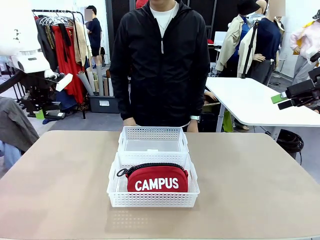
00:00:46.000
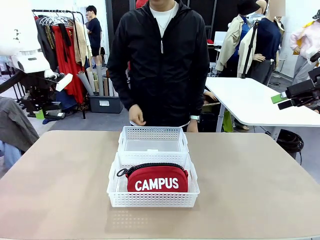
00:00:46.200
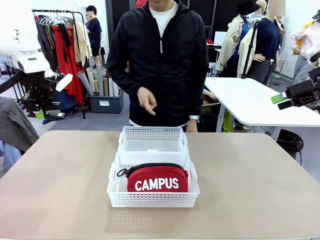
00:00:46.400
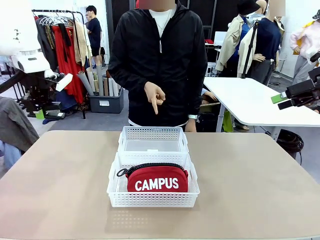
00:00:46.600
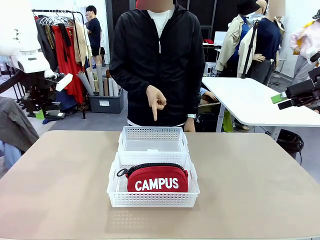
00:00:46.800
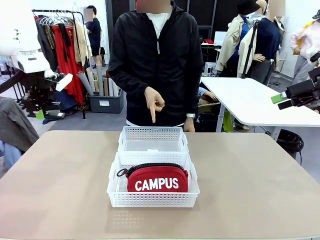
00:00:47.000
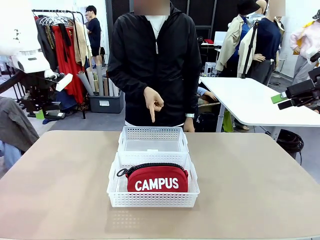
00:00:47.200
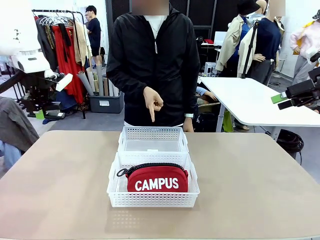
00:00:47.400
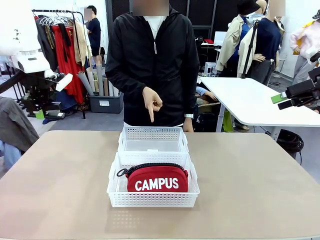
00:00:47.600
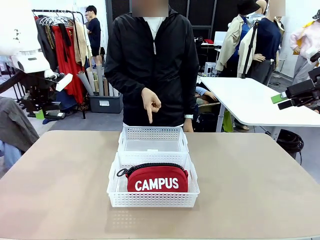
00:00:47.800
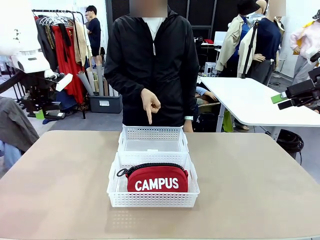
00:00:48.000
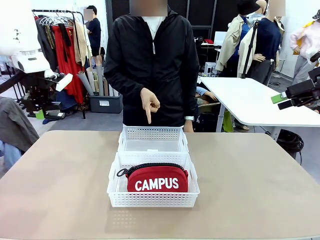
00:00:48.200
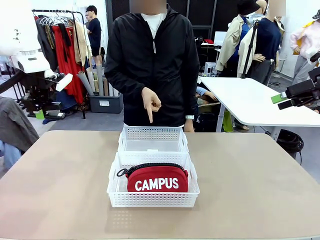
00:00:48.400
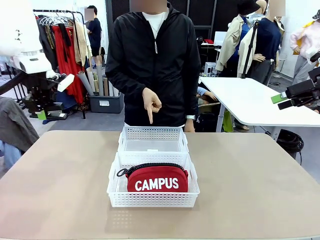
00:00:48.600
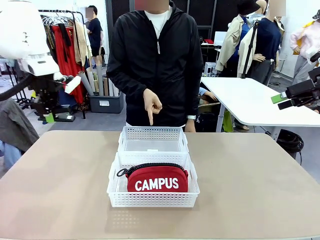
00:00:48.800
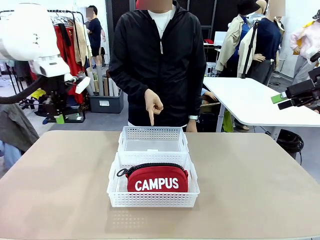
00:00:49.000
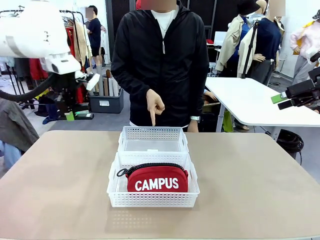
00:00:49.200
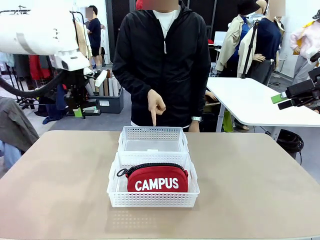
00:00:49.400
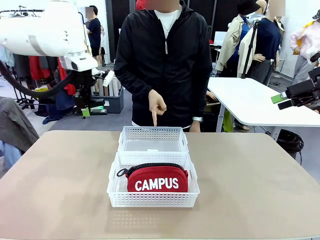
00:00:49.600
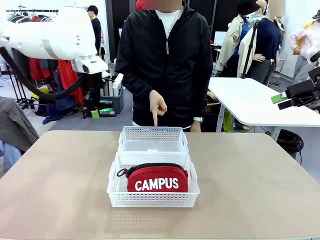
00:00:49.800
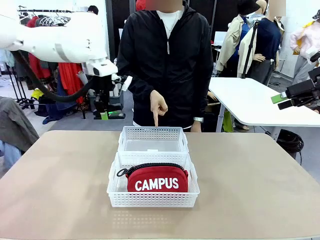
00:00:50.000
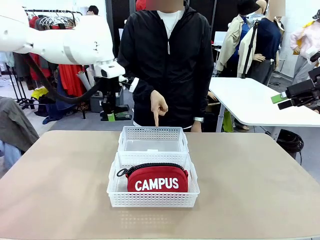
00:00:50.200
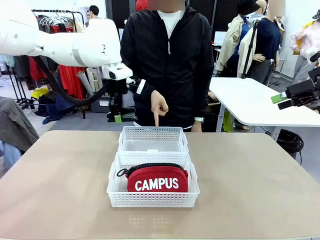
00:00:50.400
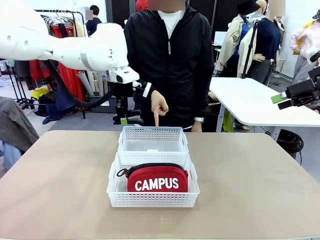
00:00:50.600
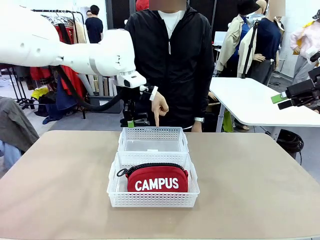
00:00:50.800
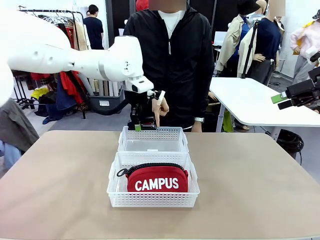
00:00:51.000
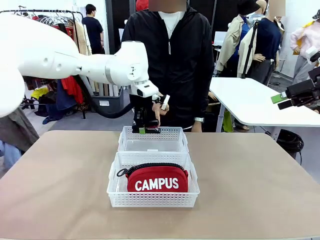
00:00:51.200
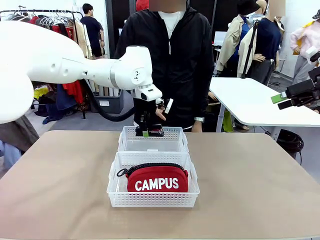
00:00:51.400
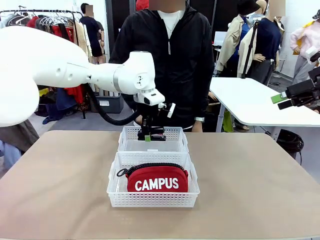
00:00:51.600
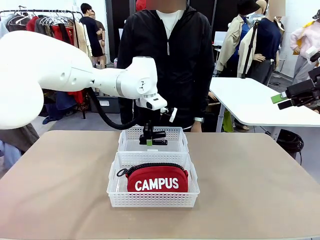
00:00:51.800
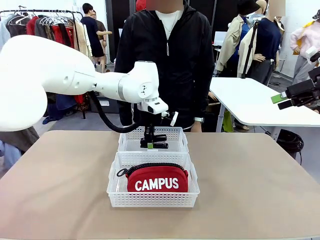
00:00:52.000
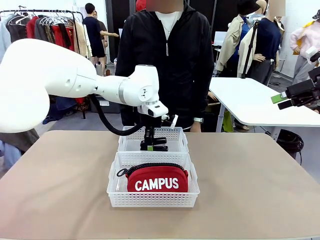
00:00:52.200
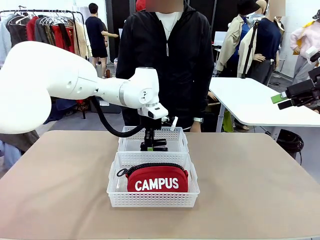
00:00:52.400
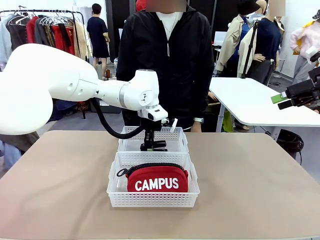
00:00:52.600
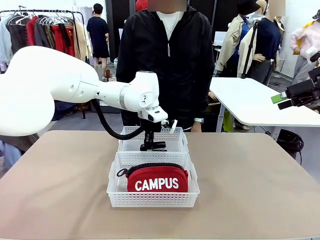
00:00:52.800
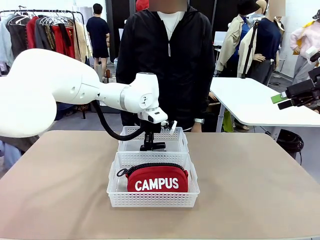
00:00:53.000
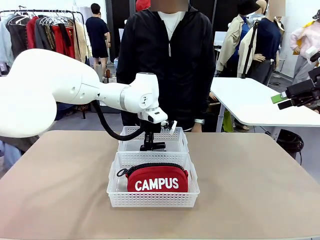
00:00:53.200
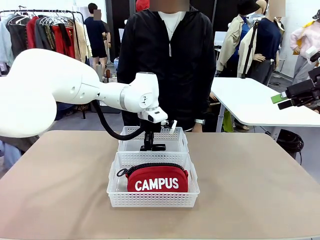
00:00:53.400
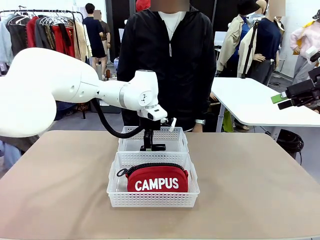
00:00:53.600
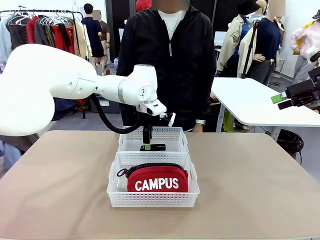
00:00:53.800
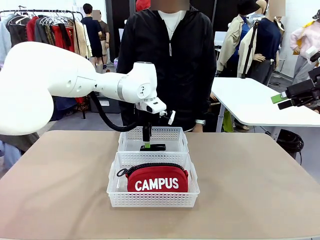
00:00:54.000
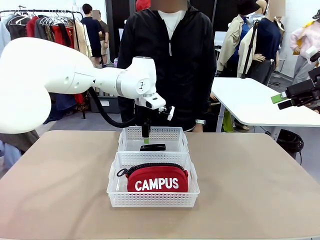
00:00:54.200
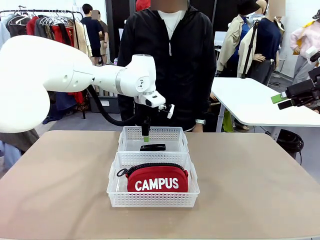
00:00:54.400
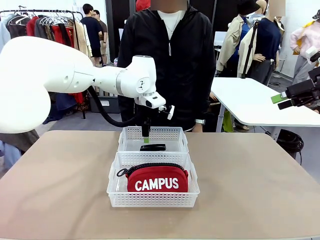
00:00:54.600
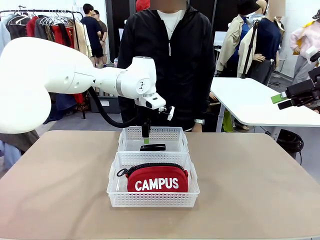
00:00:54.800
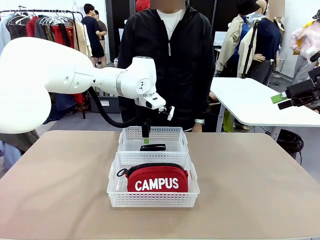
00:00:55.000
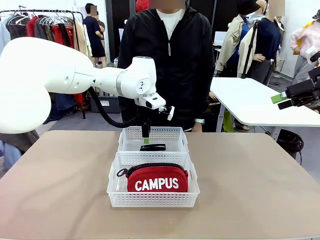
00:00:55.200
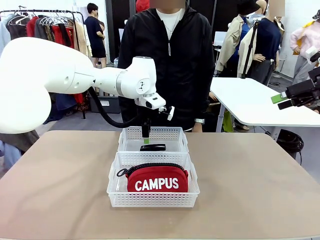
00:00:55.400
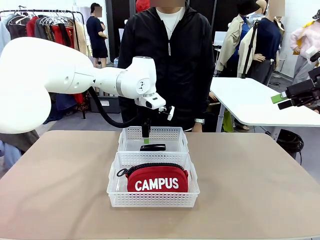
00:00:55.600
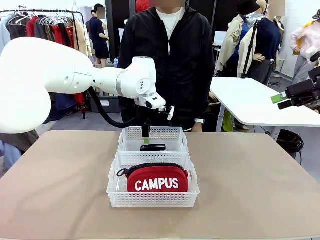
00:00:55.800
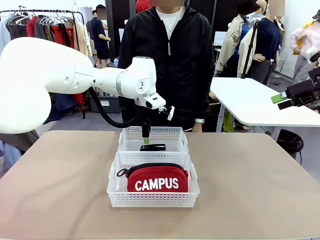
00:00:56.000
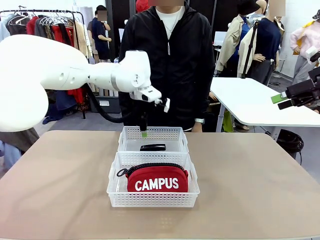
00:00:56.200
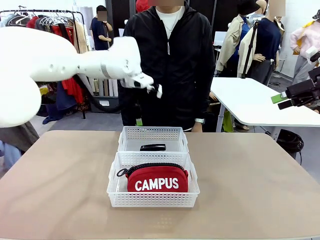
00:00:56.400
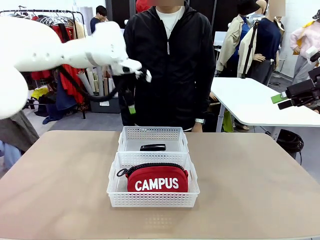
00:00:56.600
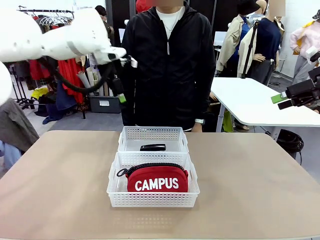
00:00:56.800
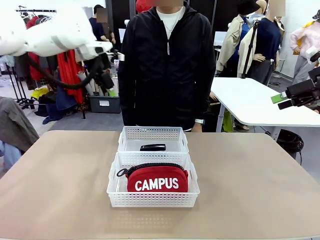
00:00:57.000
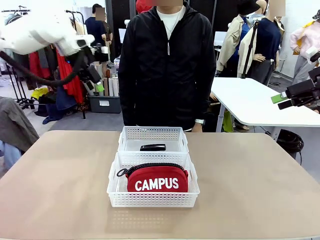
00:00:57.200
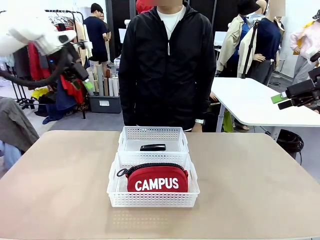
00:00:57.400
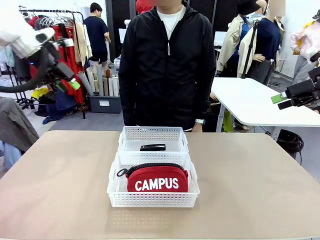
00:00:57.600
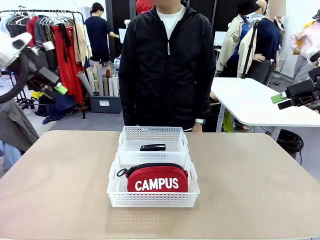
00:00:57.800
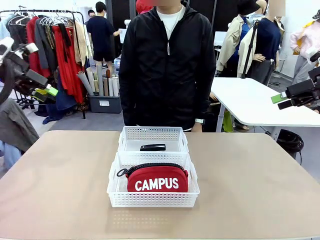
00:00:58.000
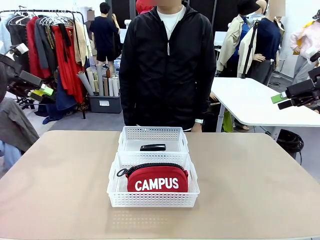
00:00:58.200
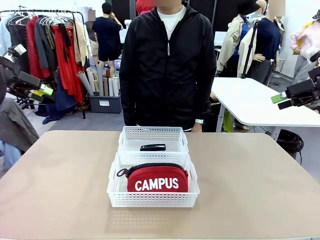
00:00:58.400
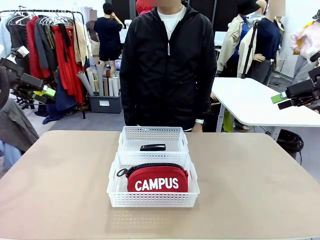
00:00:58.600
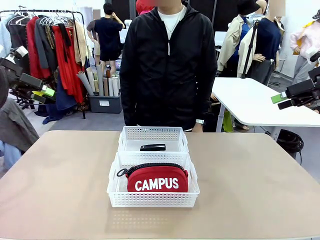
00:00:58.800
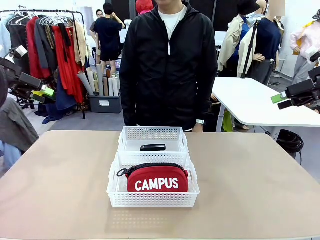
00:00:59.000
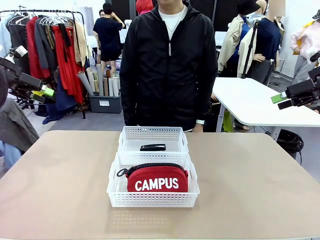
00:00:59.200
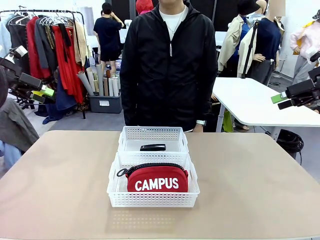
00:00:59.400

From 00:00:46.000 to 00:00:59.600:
Task: Distribute items into two baskets.
Robot: Place the picked Stapler into the Organizing basket as instructed by the person.
Person: Points to the basket that does not contain the pencil case and instructs the robot to move the stapler there.
